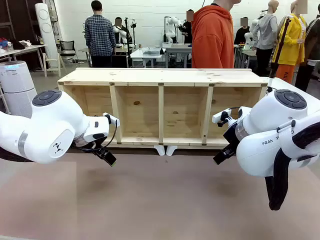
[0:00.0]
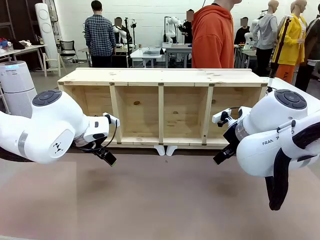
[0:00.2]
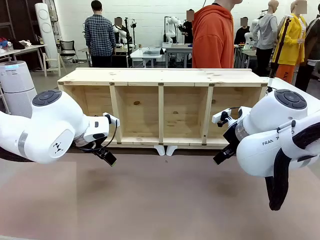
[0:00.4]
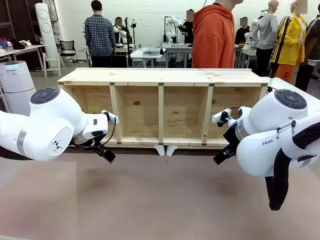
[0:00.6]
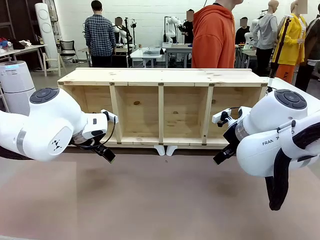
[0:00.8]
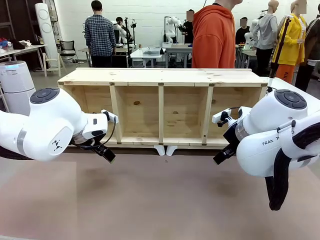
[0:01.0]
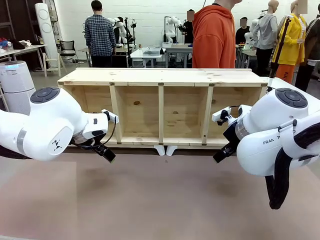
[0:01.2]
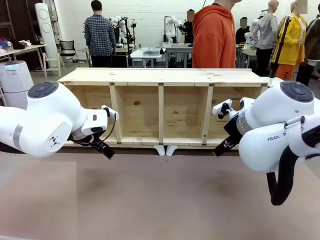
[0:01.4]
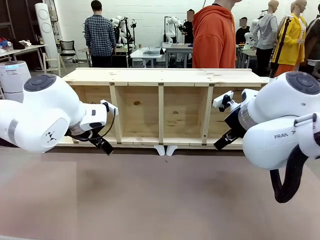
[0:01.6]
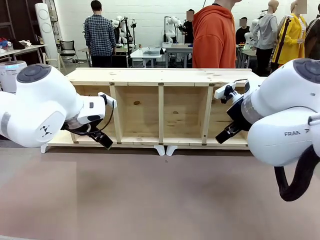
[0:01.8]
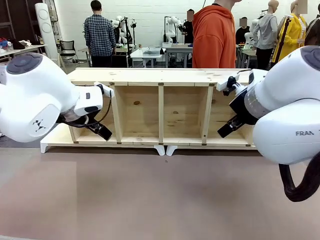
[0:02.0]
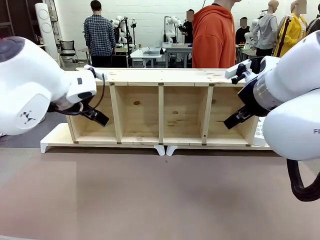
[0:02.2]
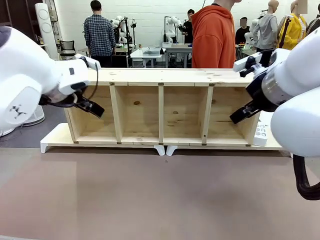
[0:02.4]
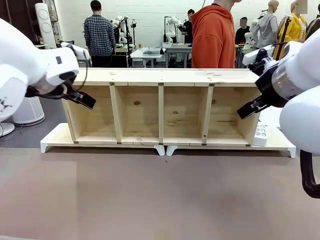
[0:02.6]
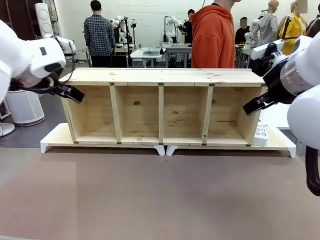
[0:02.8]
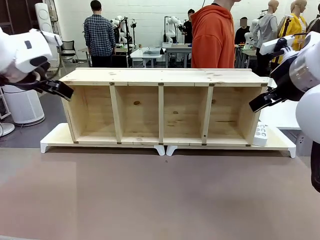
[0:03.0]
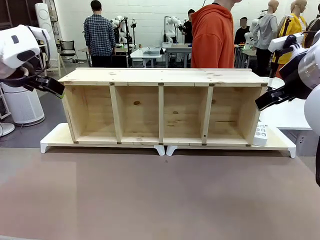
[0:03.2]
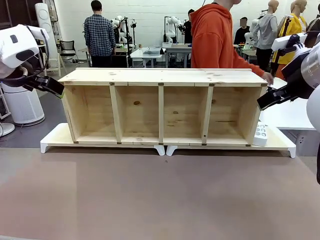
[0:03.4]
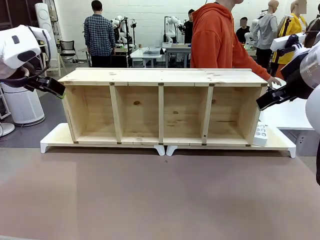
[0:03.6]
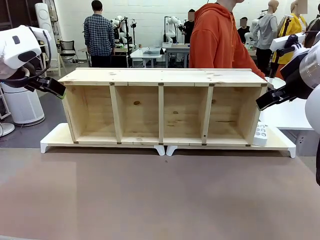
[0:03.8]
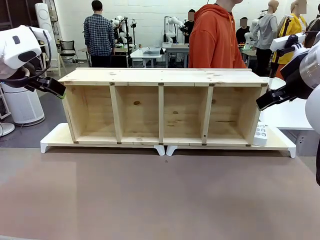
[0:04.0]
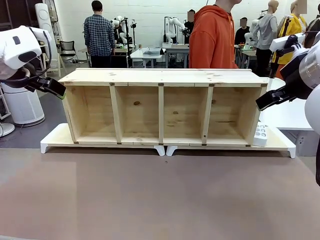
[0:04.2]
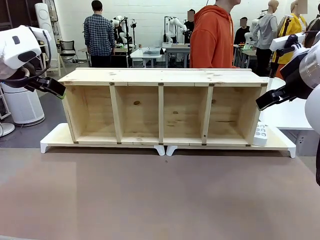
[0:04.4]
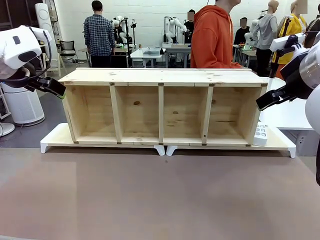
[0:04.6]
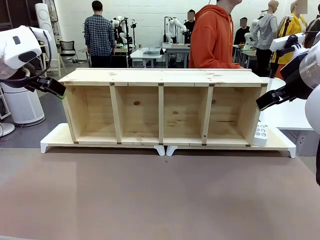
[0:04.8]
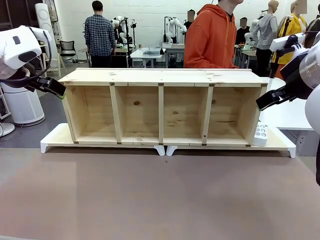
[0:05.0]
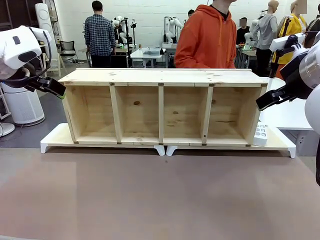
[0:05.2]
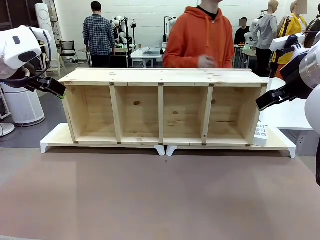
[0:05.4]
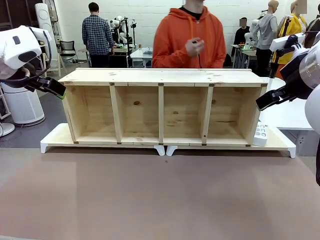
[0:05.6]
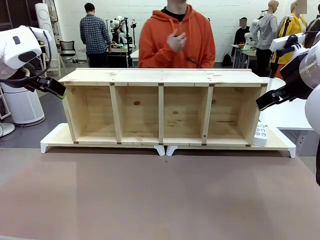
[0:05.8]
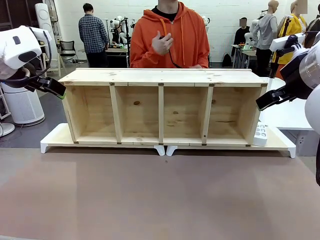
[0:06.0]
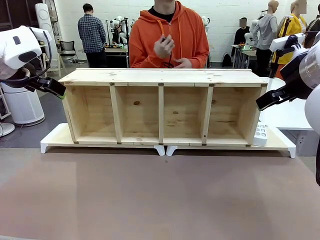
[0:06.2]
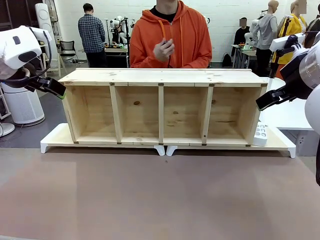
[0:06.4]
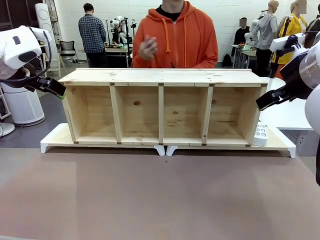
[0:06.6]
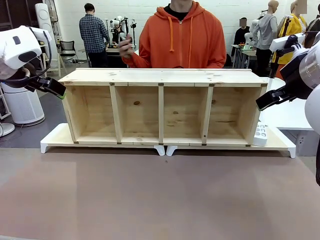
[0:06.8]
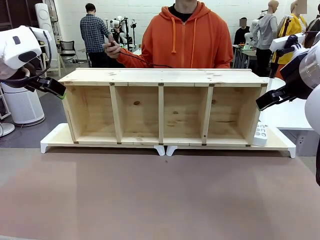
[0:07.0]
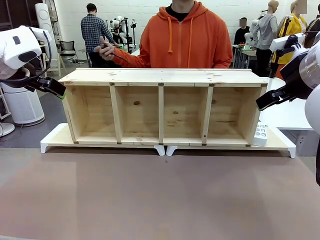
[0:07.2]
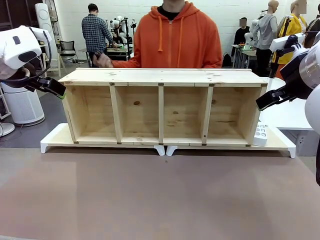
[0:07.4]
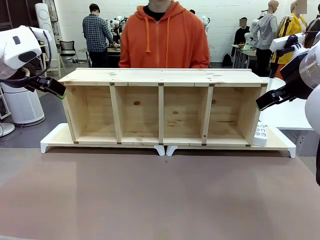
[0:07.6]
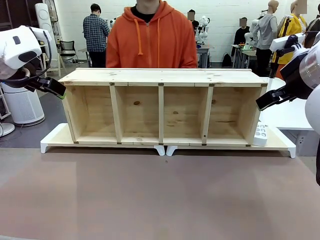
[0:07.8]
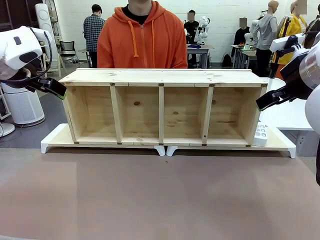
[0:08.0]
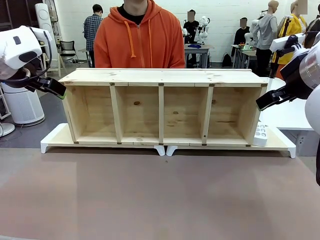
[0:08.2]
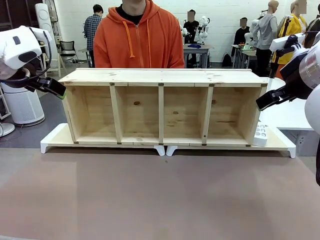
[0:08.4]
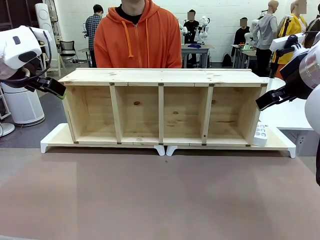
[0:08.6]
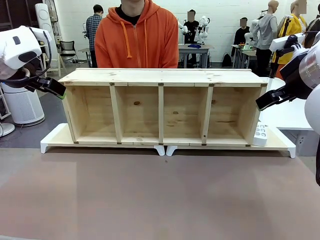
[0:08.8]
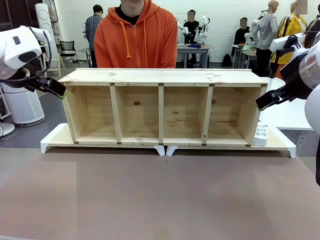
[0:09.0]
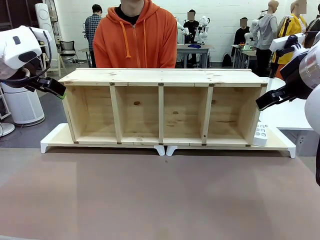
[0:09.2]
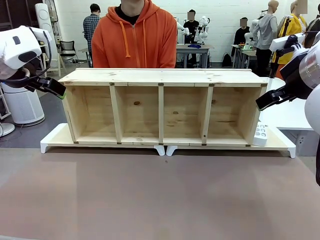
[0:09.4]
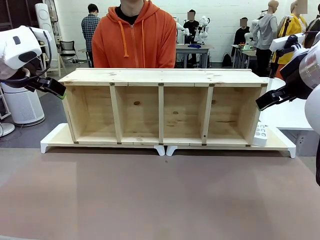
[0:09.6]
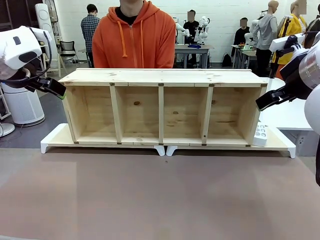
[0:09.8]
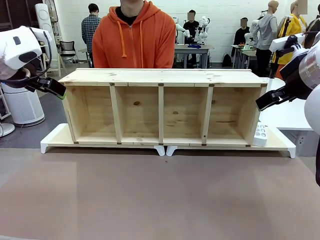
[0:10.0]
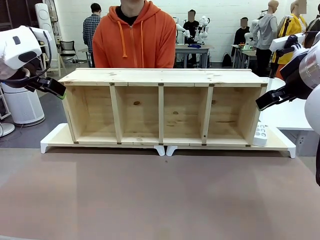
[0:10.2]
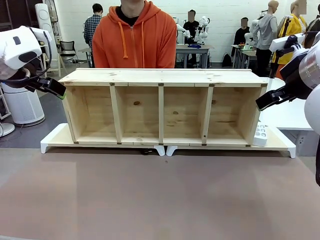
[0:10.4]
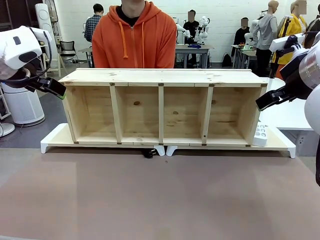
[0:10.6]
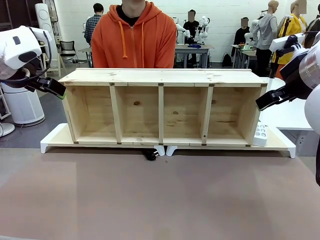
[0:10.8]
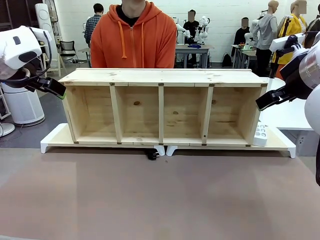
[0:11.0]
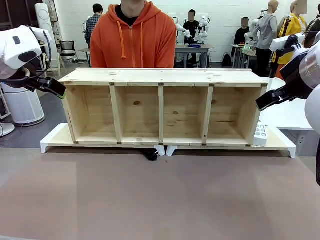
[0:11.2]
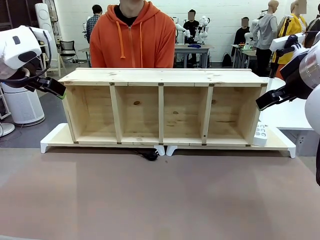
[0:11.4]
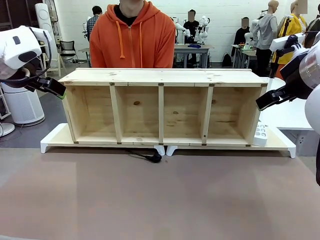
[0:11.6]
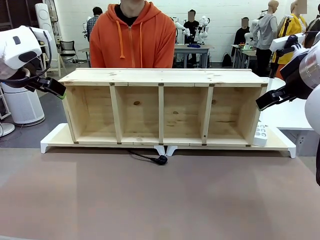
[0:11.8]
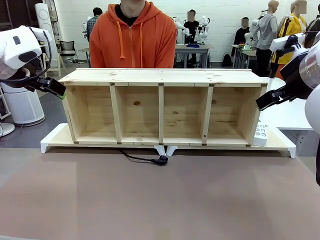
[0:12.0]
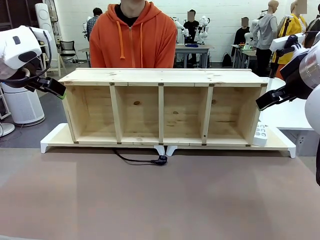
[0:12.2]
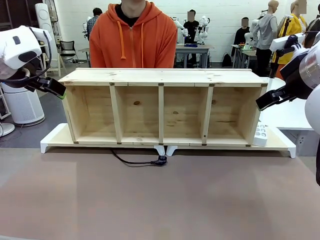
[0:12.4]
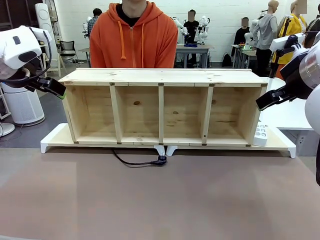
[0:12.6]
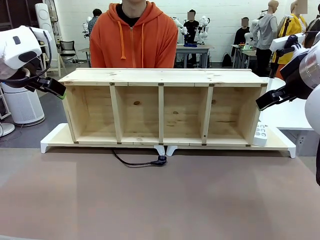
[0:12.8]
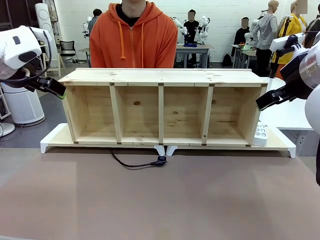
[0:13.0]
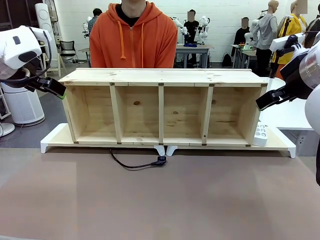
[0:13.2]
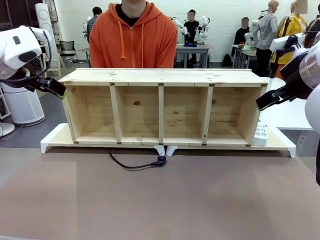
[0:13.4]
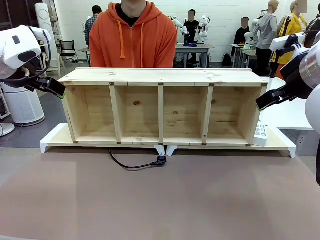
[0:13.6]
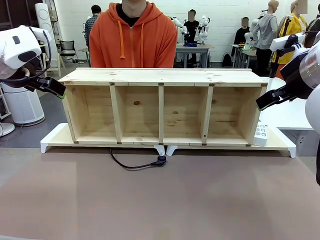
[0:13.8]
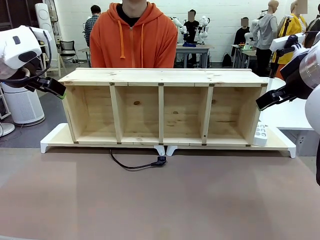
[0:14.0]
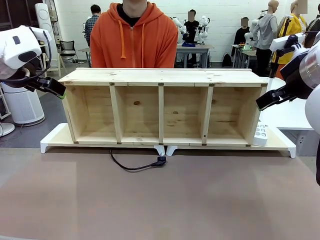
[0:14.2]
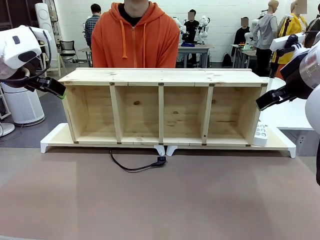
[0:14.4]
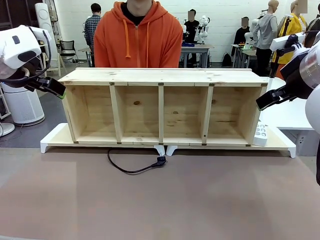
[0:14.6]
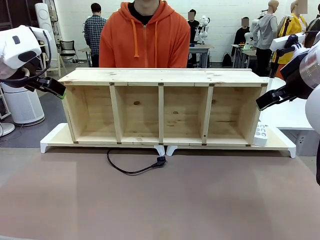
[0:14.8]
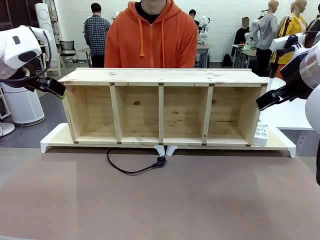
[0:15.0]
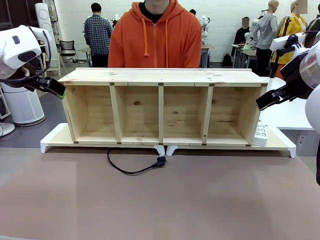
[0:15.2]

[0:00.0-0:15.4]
Task: Perform cable management.
Robot: When the cord part of the Power Cable appears at the lower middle area of the table and stops, grasp the cord part of the Power Cable.
Person: Pass the Power Cable under the Serving Table.

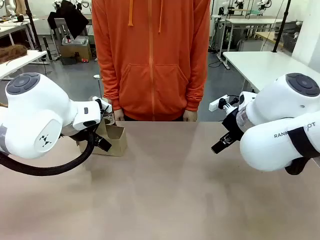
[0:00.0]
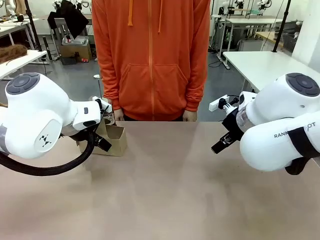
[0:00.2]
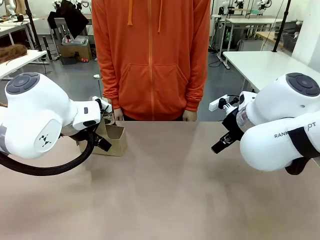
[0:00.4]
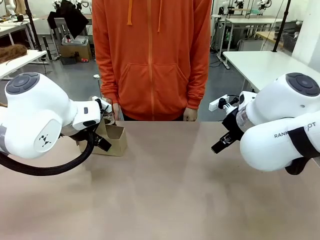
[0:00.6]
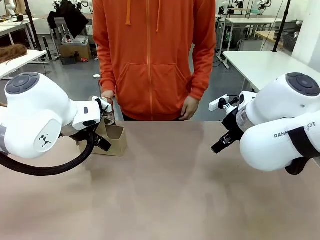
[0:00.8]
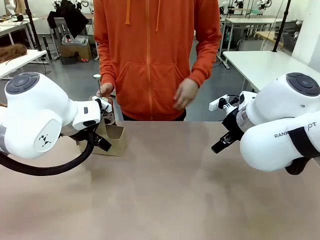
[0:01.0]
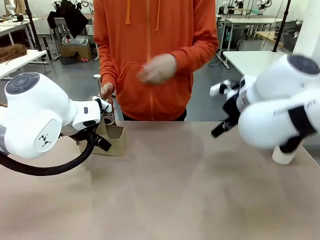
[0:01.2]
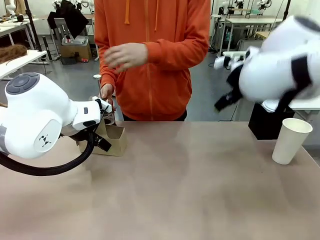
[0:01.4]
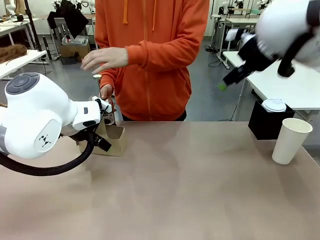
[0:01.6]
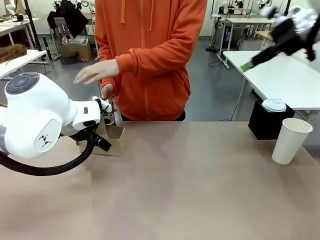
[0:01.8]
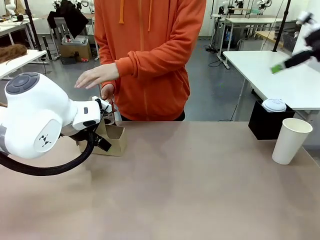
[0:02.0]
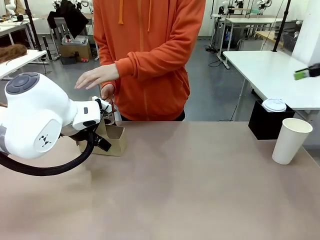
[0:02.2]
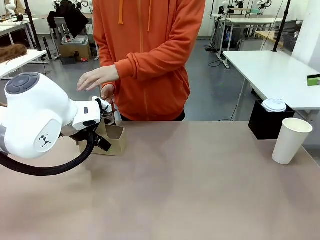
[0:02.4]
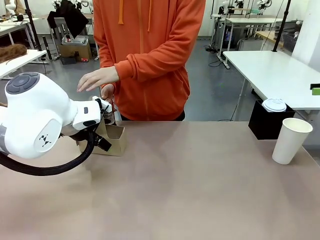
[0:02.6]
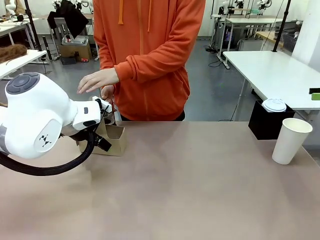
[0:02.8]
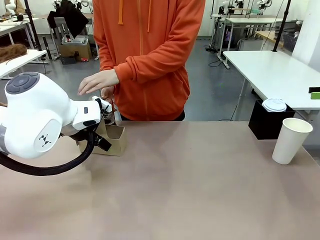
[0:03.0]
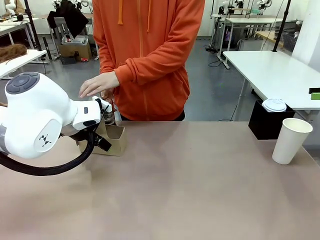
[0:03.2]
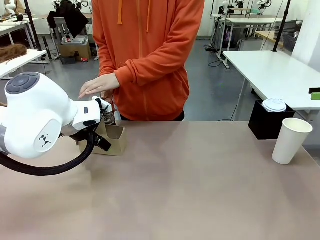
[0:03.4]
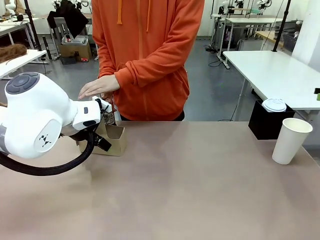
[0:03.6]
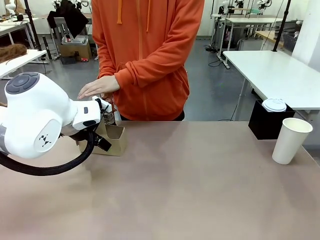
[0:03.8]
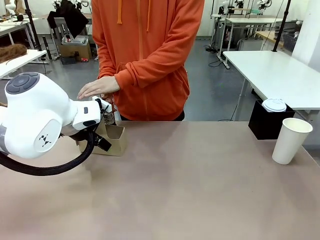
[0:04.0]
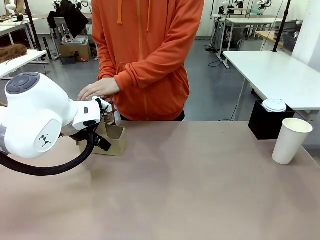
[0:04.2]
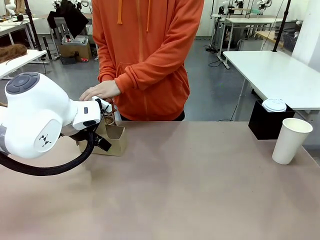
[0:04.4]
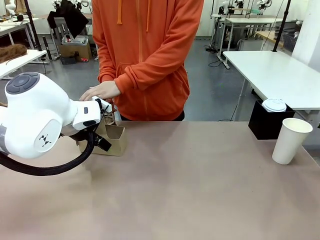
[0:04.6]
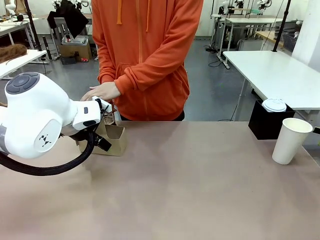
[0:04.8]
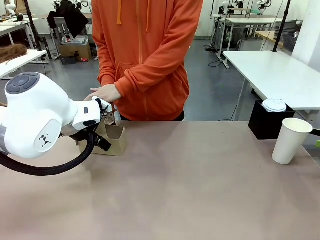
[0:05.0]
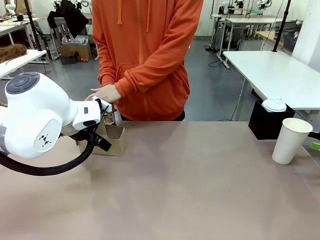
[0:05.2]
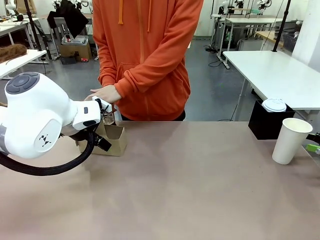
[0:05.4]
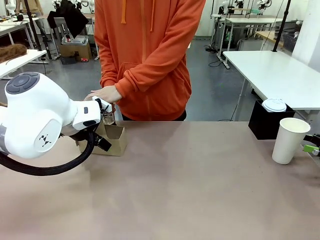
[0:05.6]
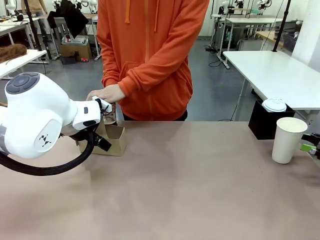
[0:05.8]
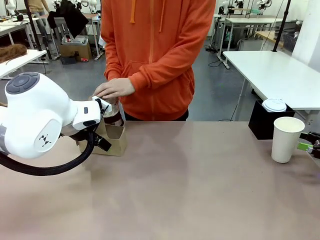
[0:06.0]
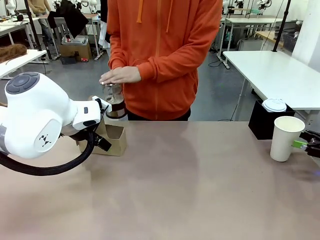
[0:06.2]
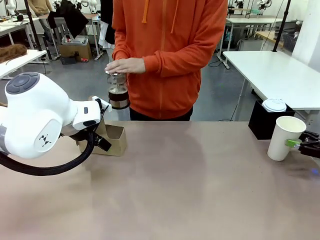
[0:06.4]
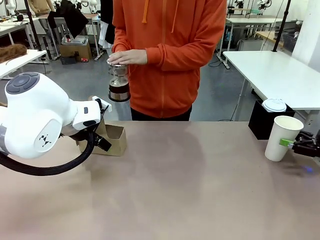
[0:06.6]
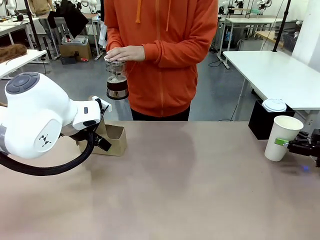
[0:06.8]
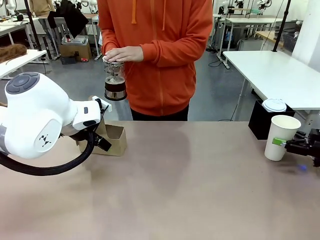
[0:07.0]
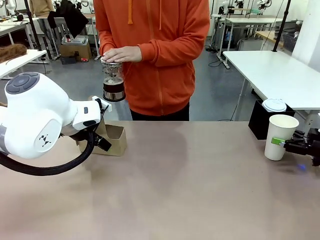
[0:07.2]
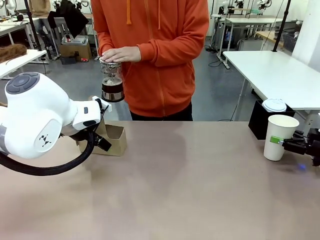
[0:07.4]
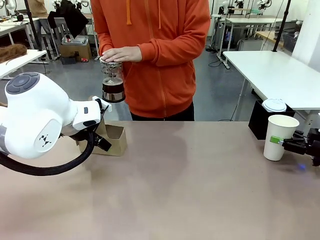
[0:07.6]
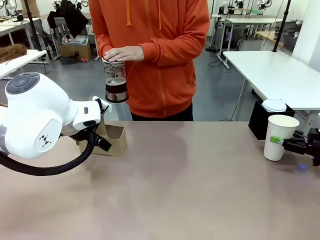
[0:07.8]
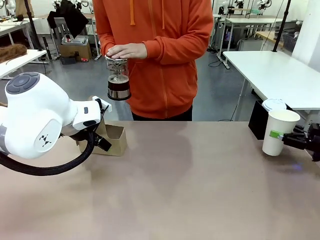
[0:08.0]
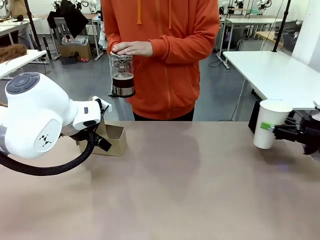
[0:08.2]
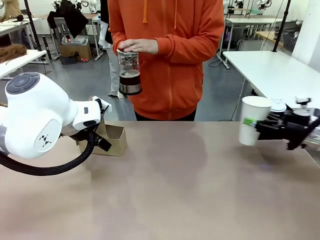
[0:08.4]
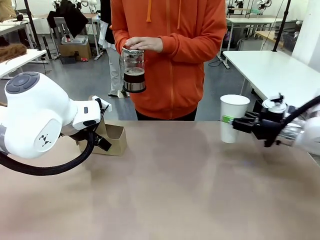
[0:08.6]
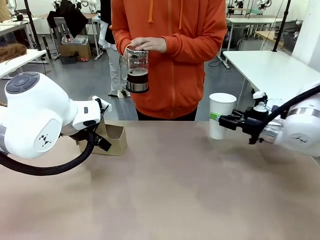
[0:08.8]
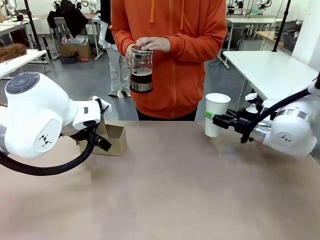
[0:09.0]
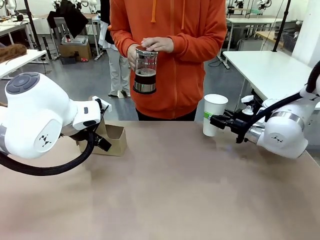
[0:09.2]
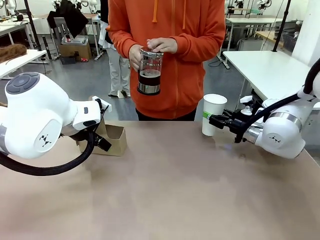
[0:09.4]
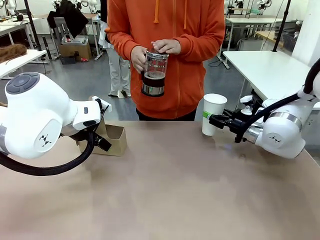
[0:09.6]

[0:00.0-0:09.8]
Task: Pour a drink into a cup and package it in a carrier.
Robot: Pick up the 600 ml Paper Cup and place it in the middle top area of the table.
Person: Press and pick up the Filter Brewing.
